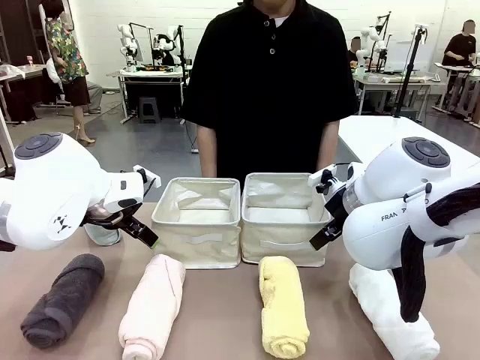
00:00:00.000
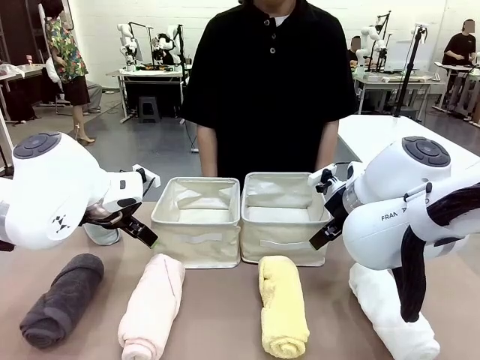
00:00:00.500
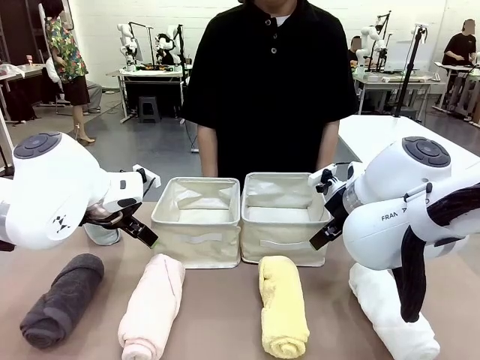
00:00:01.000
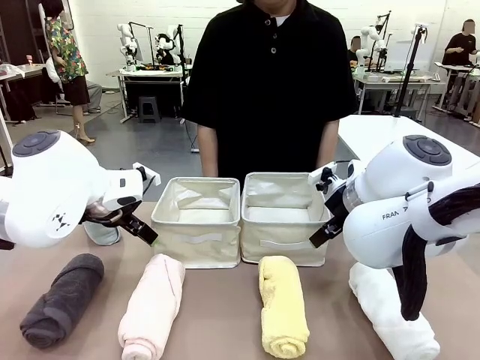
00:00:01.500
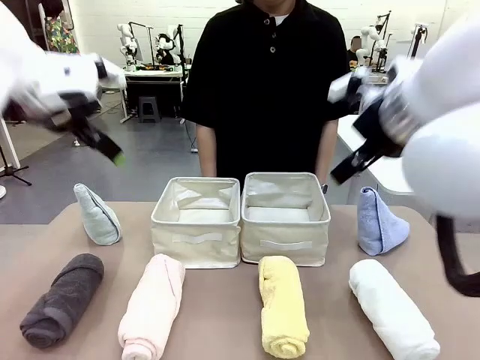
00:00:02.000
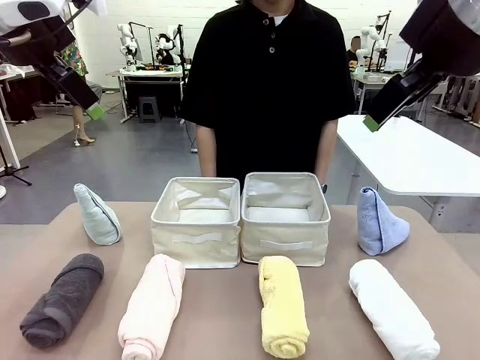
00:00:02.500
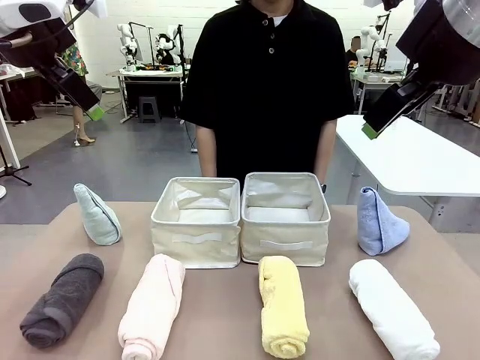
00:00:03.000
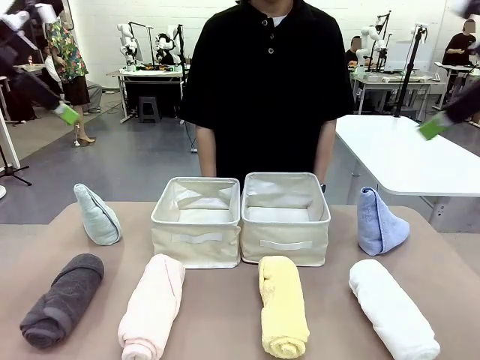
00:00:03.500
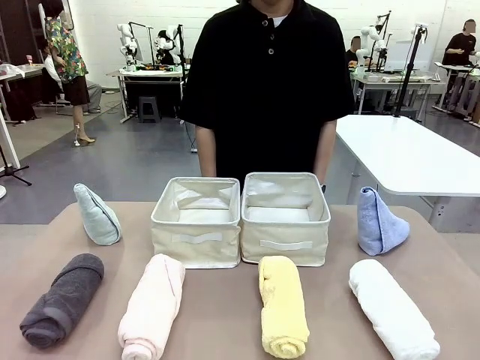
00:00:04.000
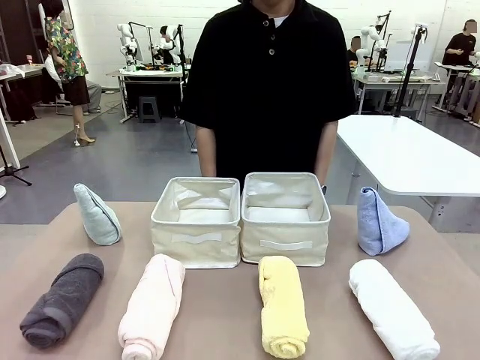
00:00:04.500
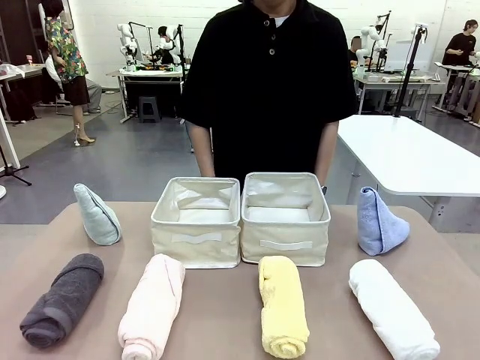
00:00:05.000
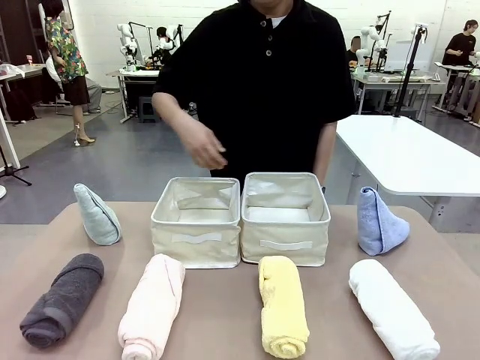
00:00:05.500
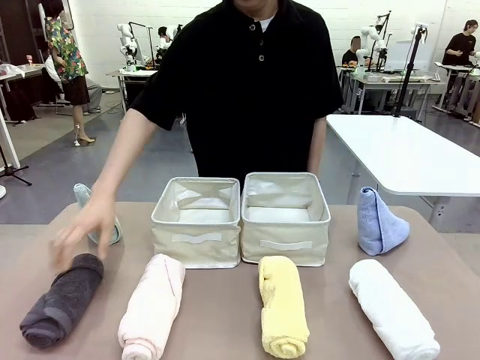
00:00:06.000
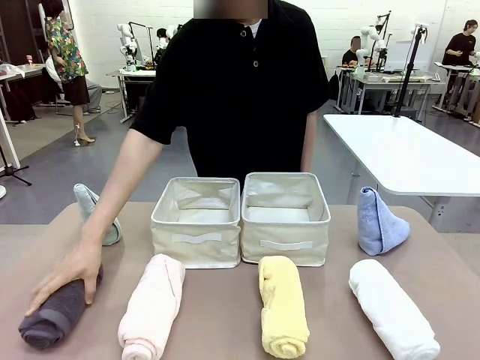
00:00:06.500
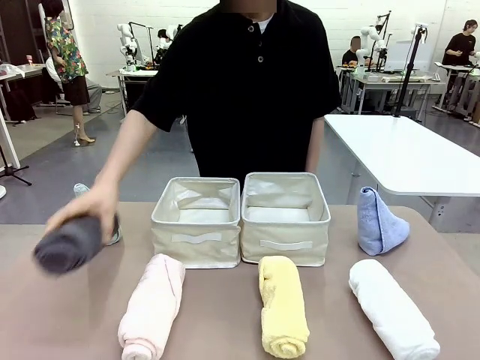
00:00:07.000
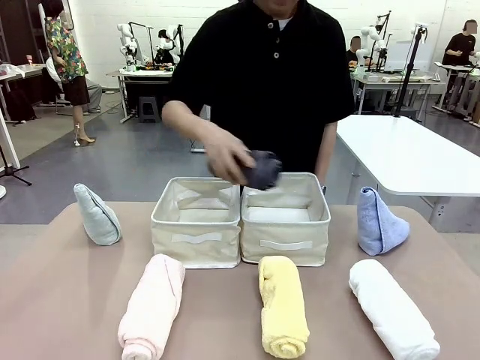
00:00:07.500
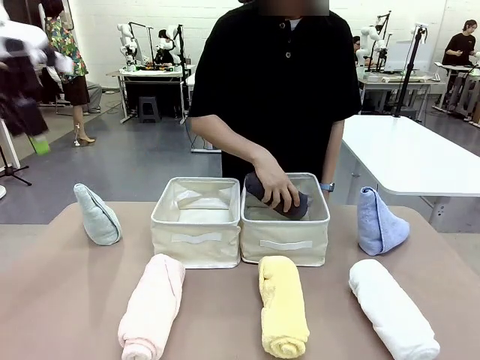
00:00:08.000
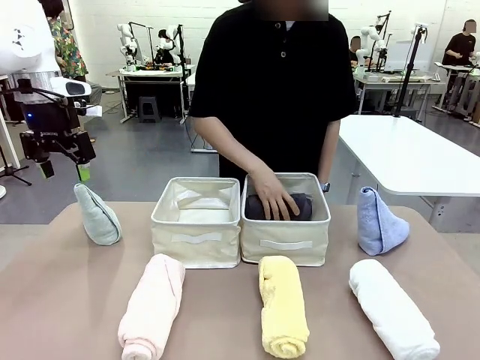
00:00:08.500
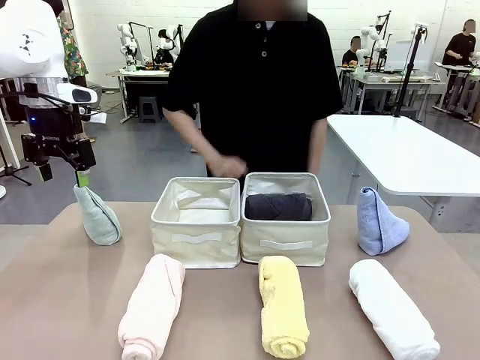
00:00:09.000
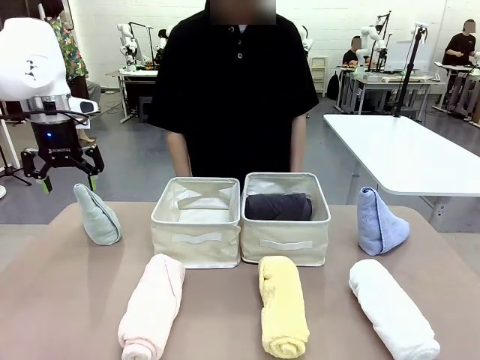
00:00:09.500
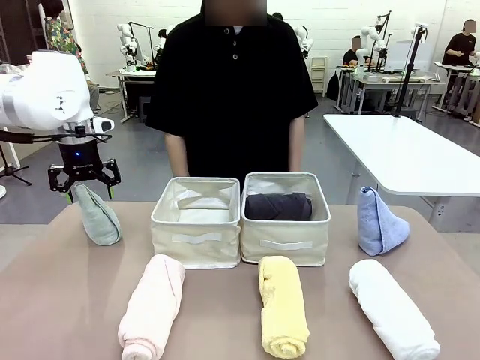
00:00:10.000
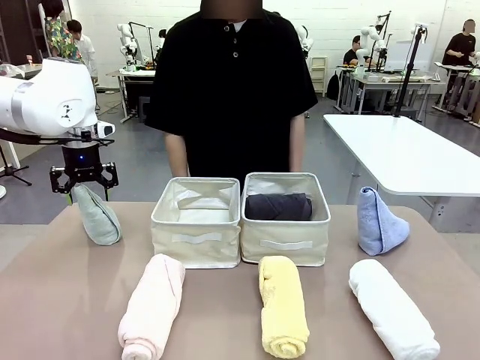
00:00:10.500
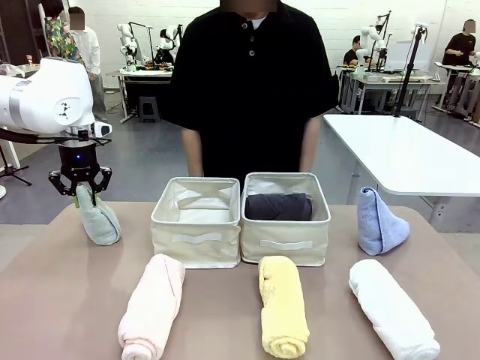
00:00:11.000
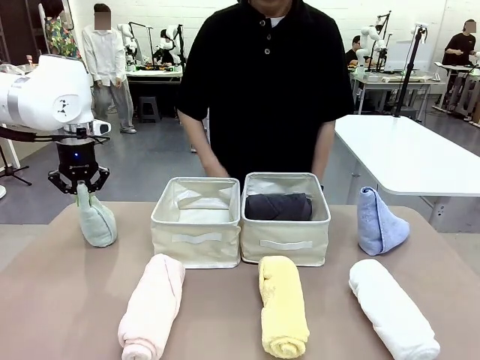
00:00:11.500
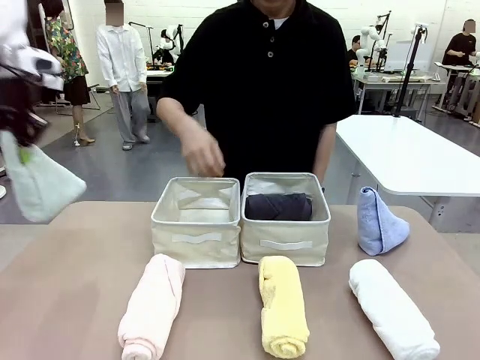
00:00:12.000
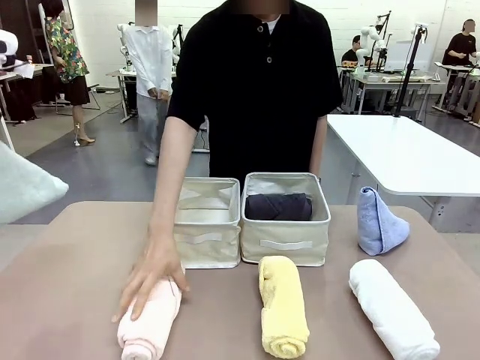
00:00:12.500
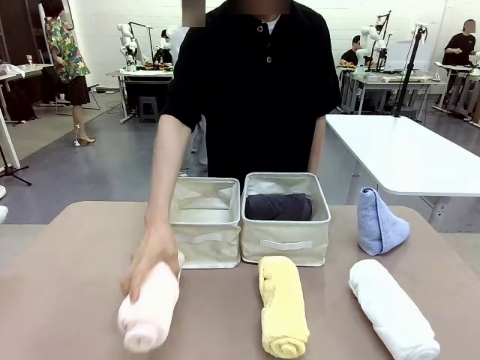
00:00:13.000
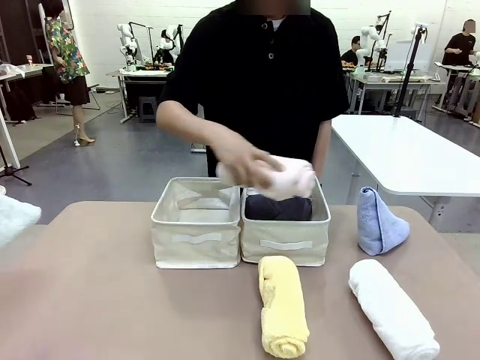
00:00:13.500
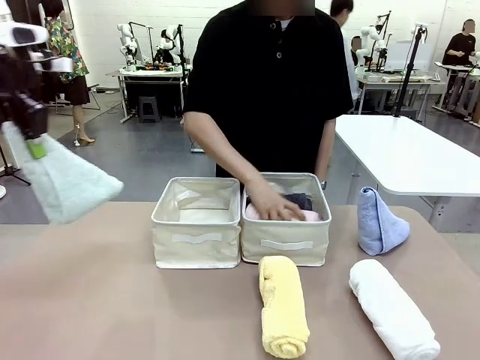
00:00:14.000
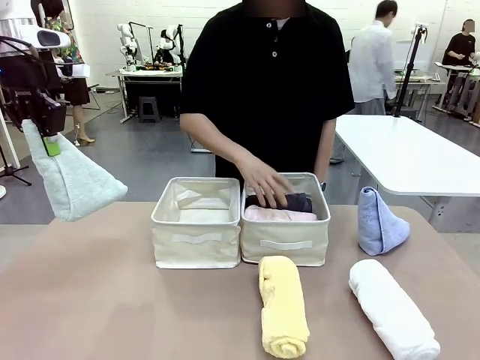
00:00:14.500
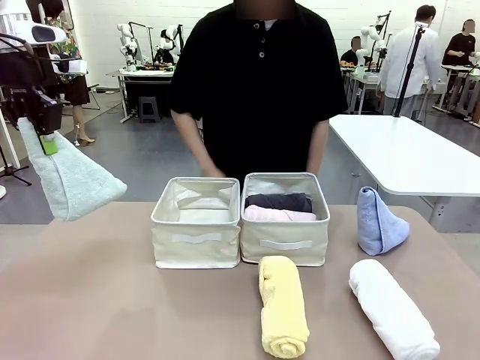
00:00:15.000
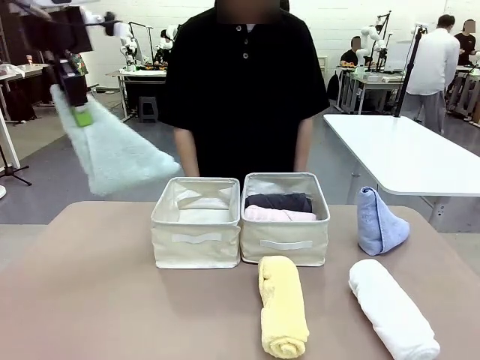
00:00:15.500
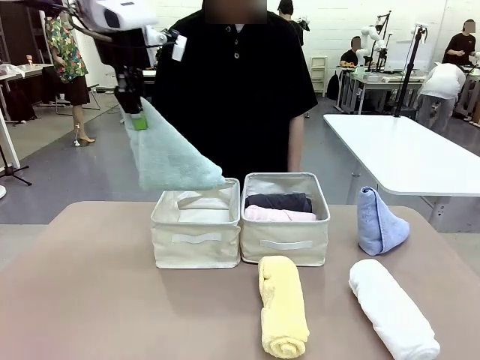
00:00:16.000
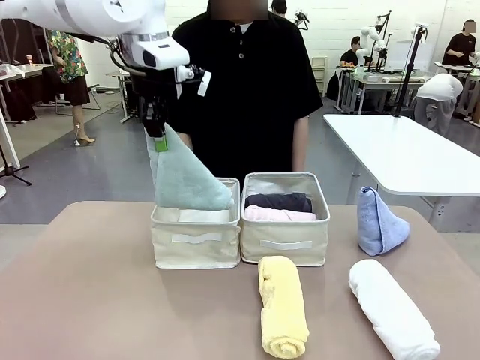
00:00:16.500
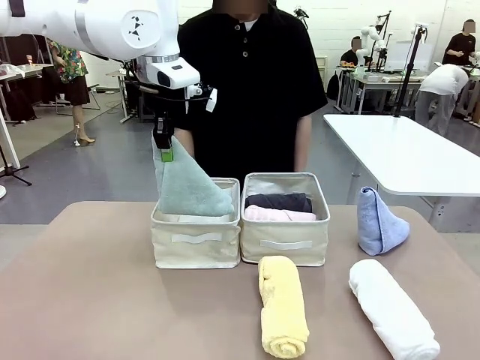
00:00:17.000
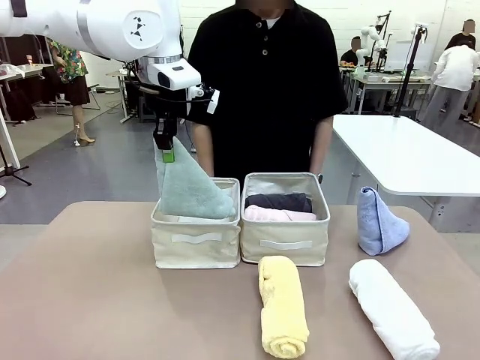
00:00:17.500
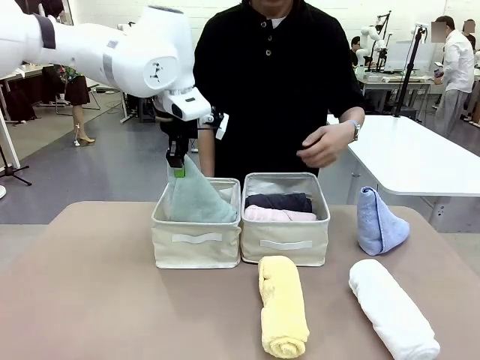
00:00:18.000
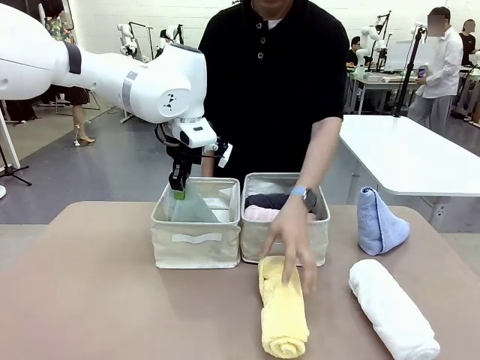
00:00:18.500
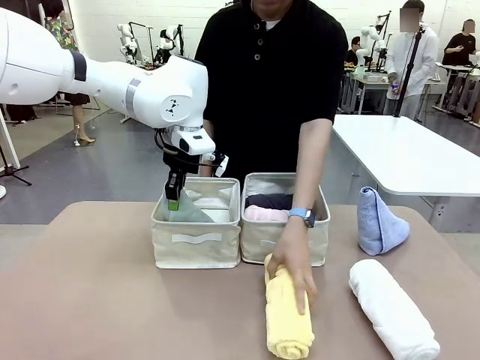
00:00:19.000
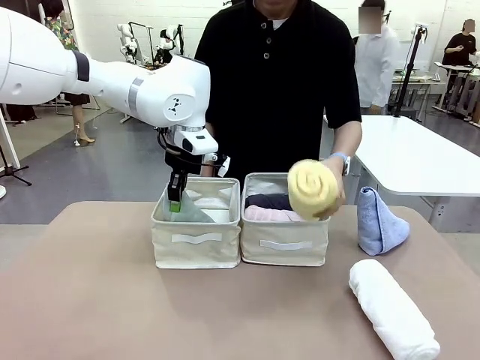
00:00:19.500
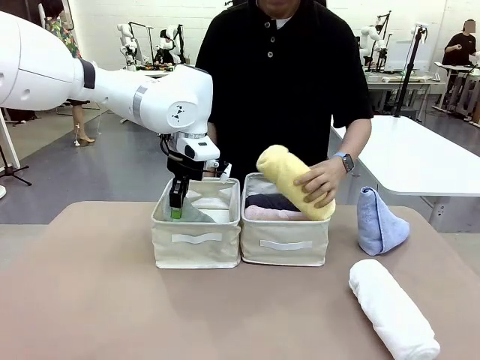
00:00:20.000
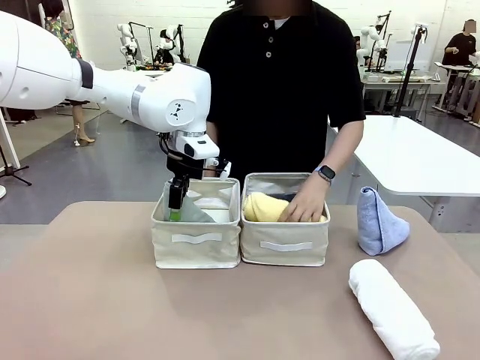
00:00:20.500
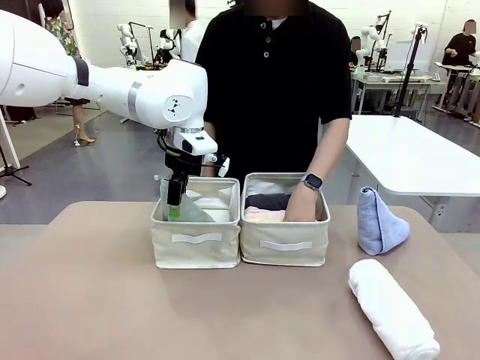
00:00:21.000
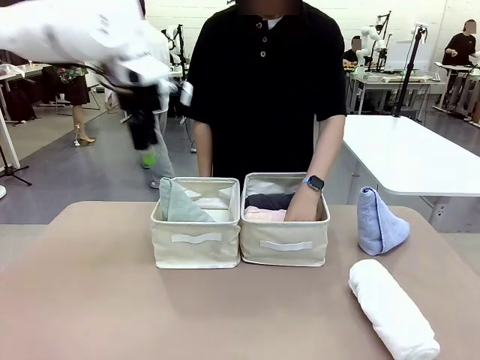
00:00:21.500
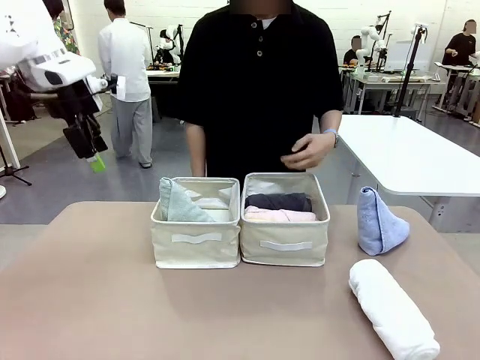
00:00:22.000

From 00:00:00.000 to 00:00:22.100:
Task: Sort the towels based on their folding style.
Robot: Pick up one triangle-folded towel and place it in the left Fabric basket.
Person: Pick up one hotel-style rolled towel and place it in the left fabric basket.
